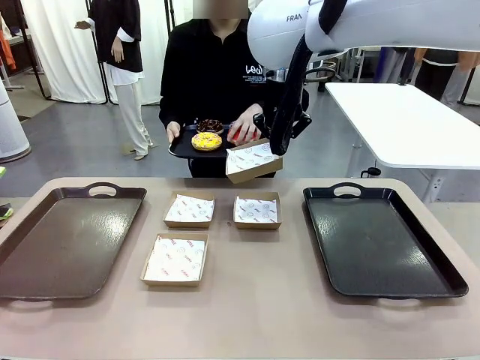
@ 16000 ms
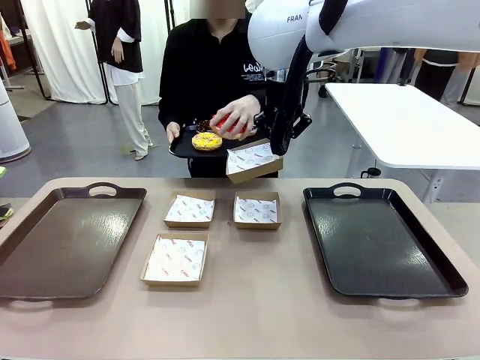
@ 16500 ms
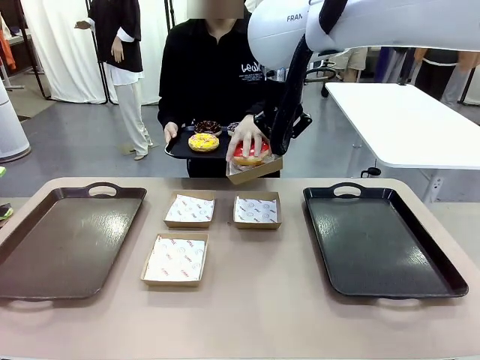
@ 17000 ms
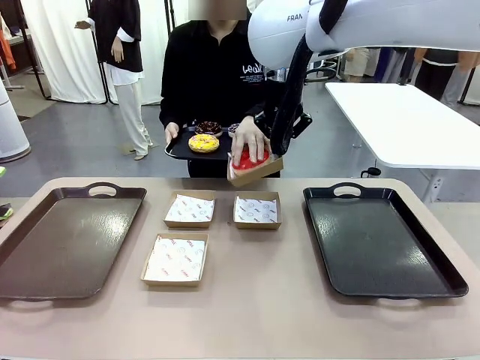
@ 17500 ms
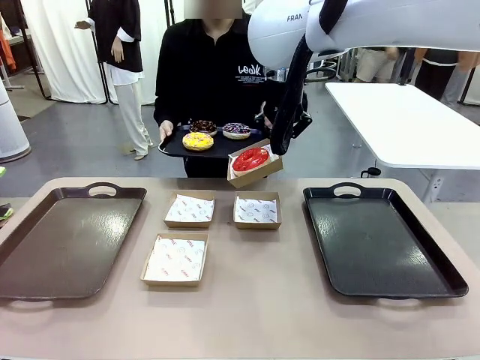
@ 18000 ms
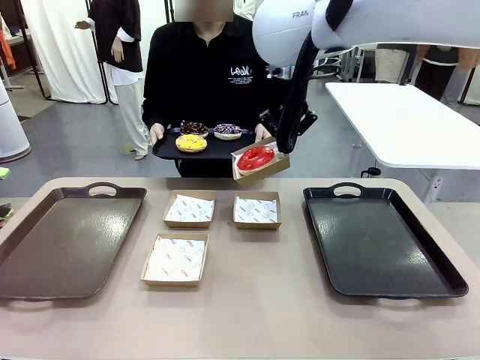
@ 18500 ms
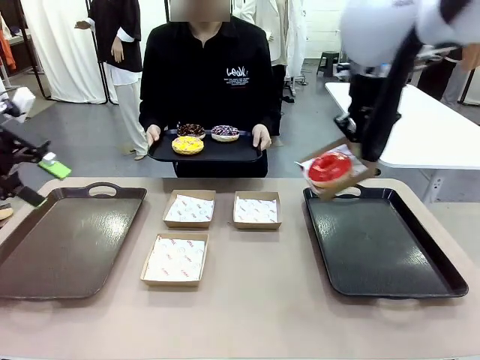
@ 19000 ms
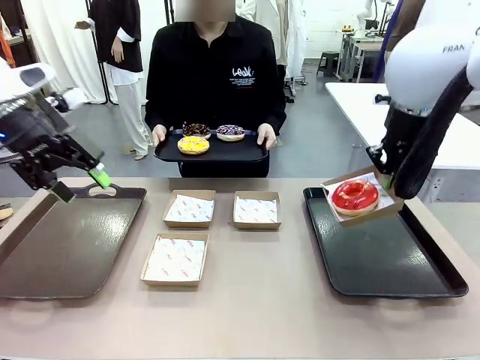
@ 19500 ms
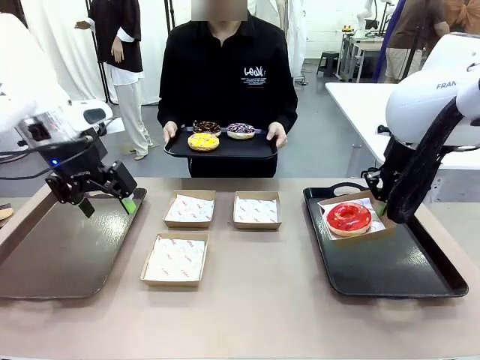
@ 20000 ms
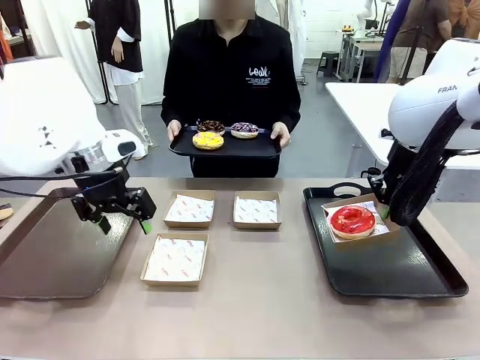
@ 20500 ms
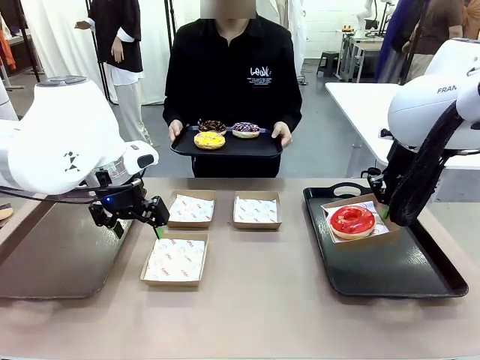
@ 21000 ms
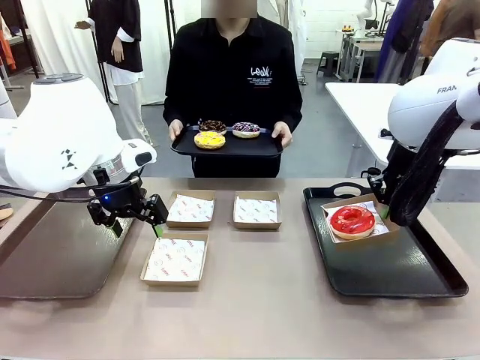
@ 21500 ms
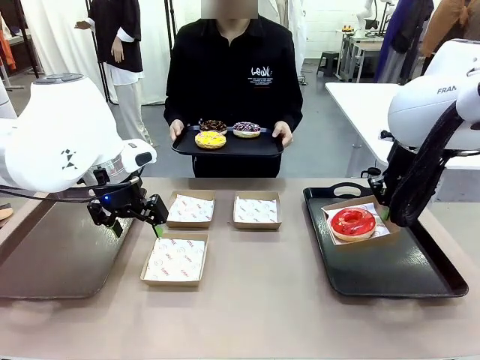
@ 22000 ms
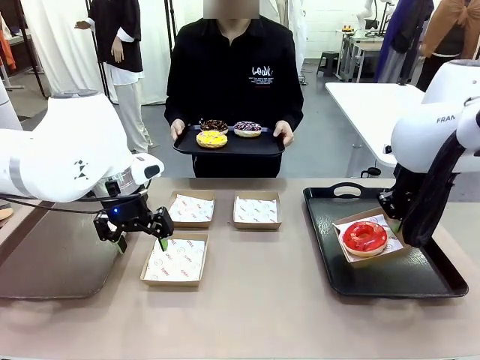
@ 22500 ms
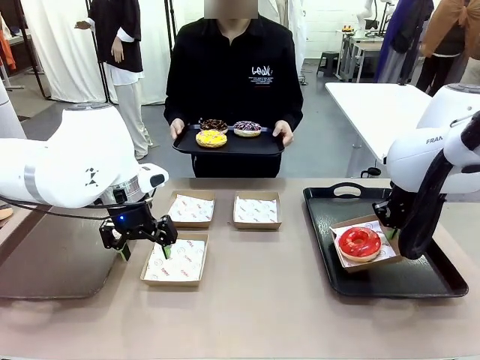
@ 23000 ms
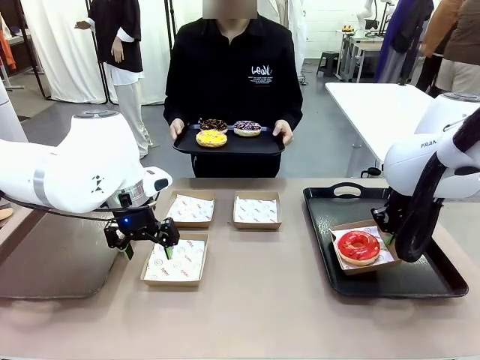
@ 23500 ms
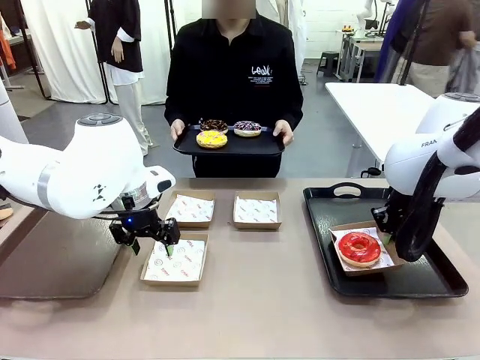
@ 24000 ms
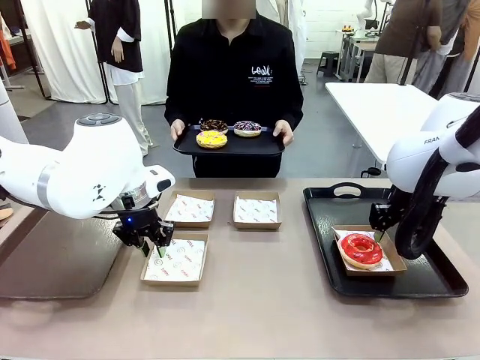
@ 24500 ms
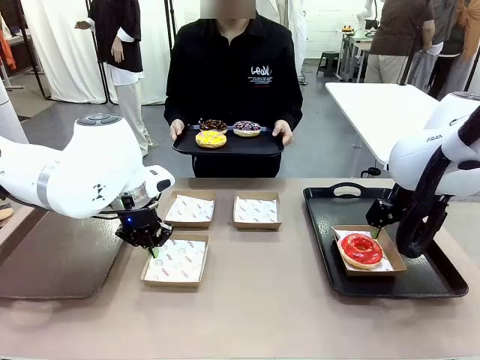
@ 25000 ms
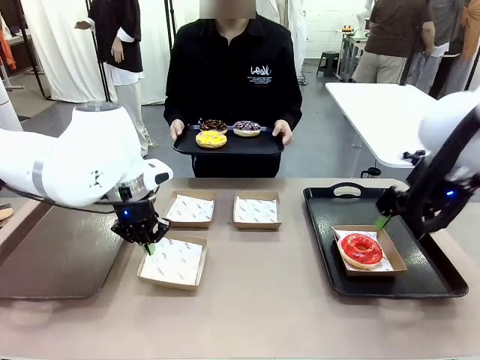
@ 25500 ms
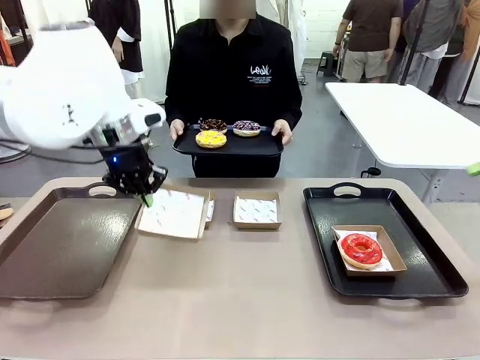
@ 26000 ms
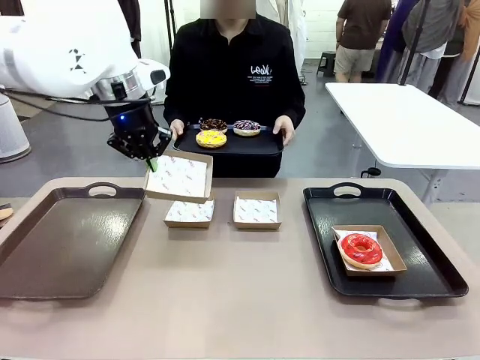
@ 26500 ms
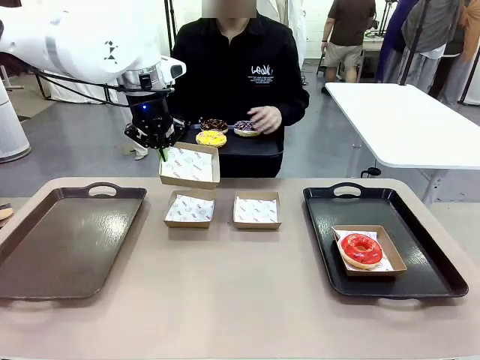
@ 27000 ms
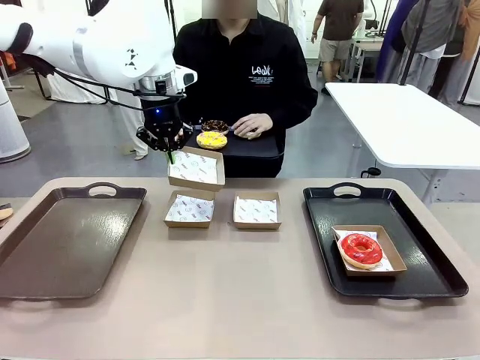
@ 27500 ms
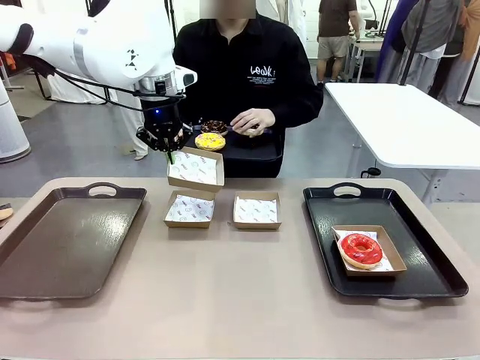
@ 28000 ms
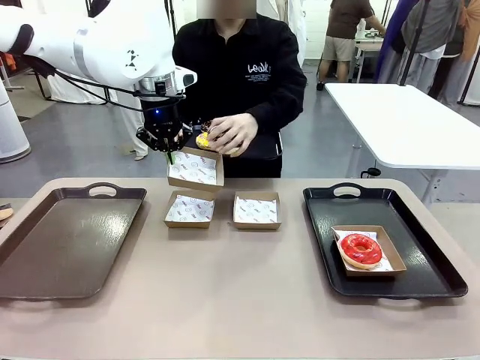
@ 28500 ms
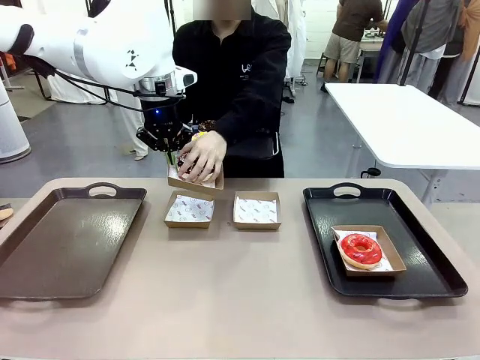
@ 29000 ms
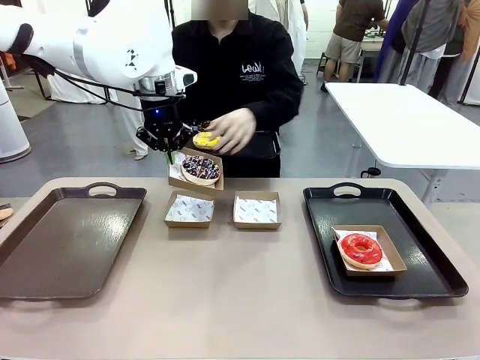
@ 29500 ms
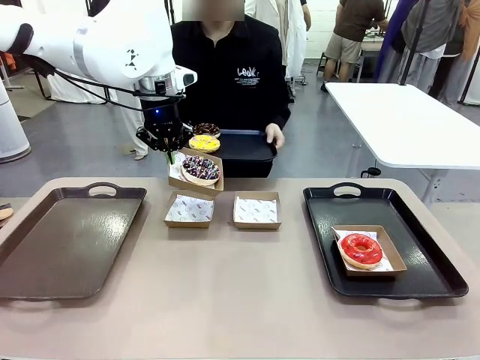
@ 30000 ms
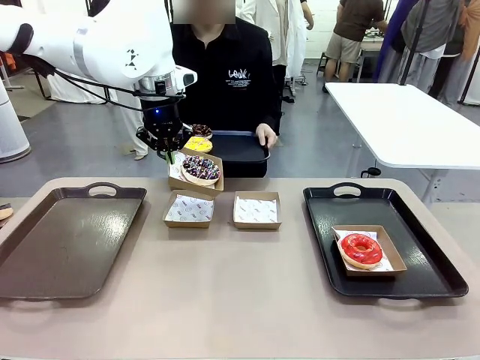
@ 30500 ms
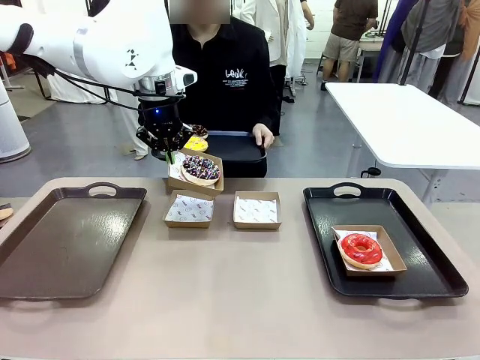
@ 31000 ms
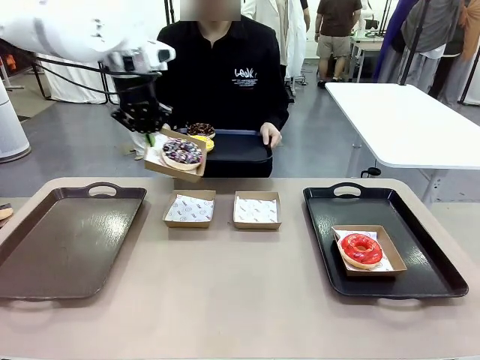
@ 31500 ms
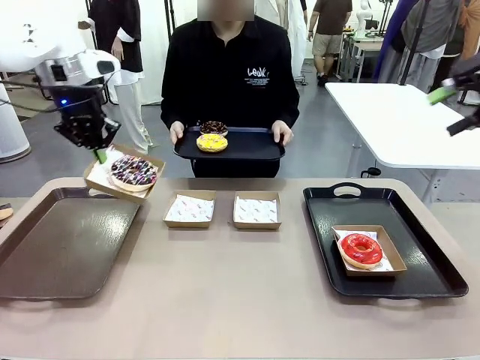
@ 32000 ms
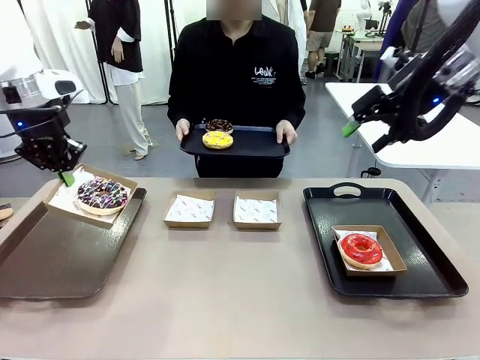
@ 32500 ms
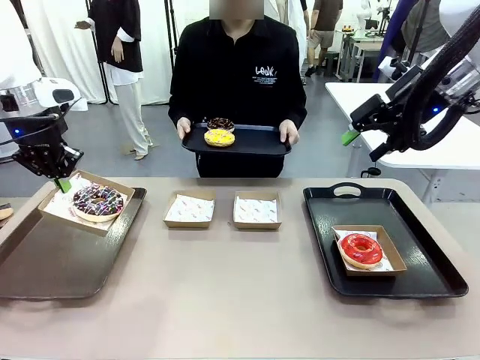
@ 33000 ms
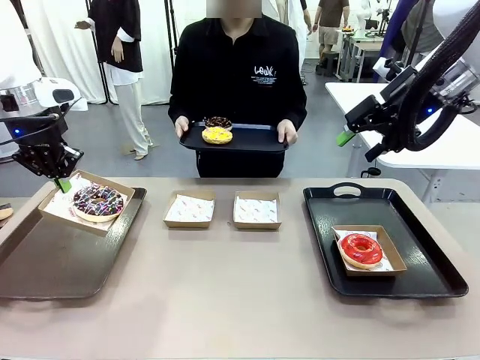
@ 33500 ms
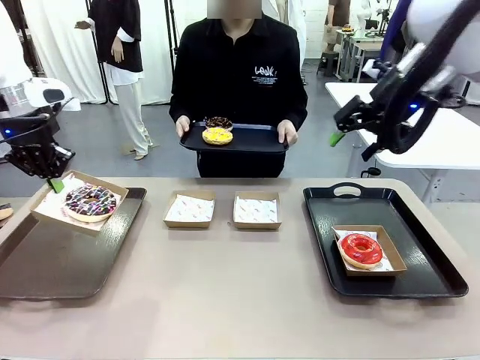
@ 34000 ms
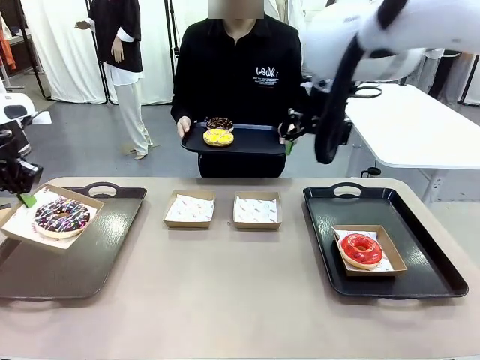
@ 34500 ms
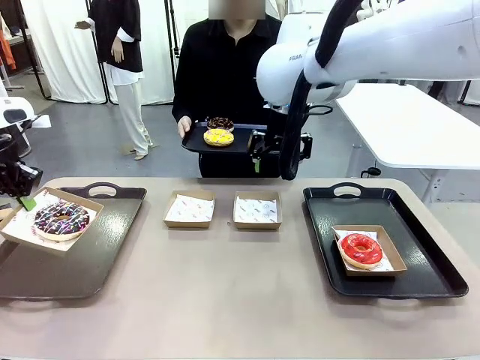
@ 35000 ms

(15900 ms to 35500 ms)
Task: Individually package the donuts and arrange them on the tray.
Robot: Place the picked Paper togo box on the Handle tray while simultaneously picking up another Paper togo box from the table with the other hand.
